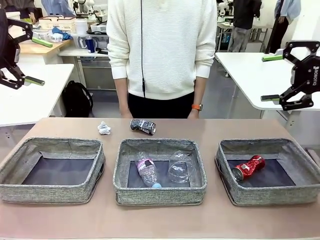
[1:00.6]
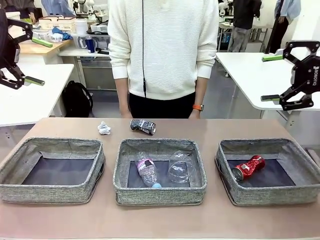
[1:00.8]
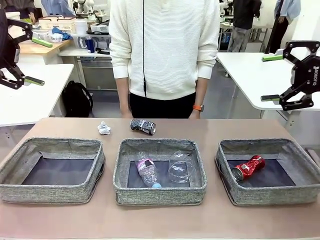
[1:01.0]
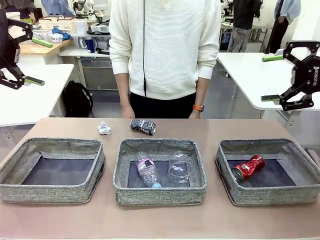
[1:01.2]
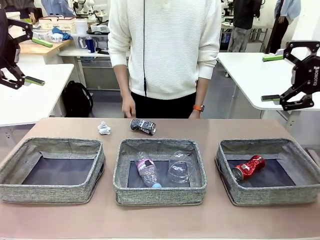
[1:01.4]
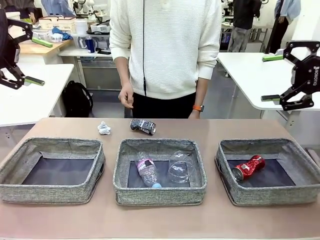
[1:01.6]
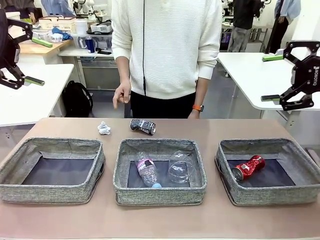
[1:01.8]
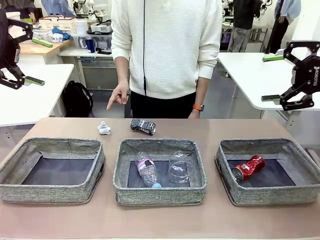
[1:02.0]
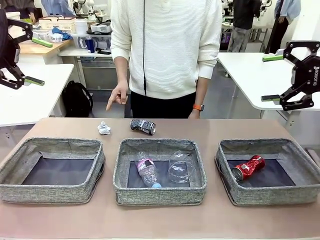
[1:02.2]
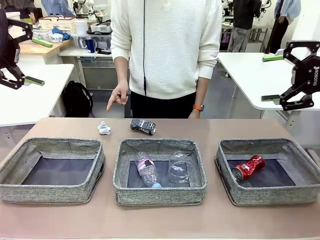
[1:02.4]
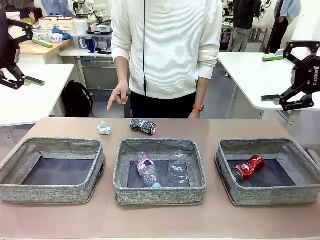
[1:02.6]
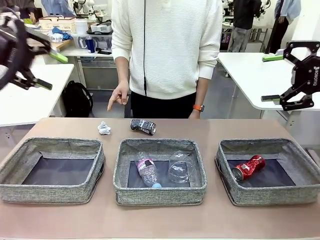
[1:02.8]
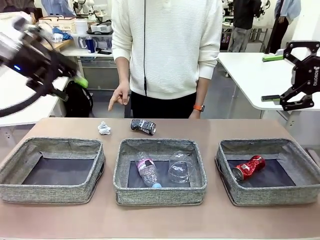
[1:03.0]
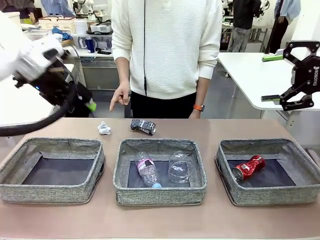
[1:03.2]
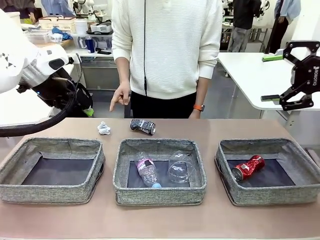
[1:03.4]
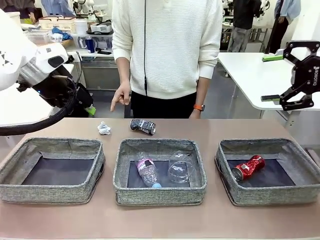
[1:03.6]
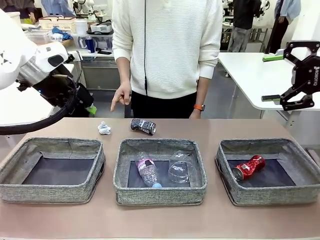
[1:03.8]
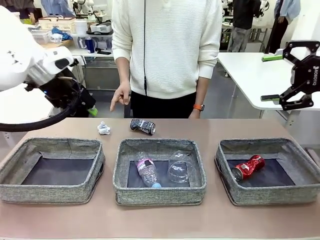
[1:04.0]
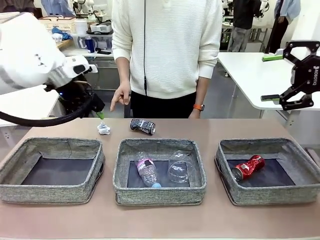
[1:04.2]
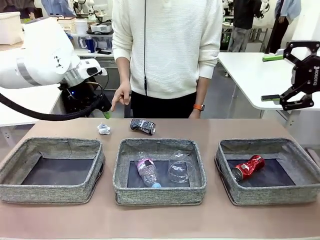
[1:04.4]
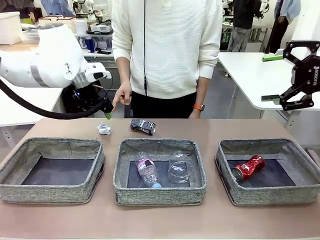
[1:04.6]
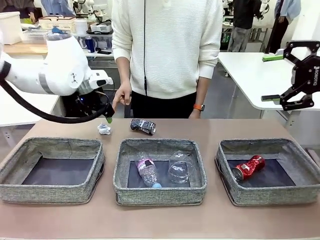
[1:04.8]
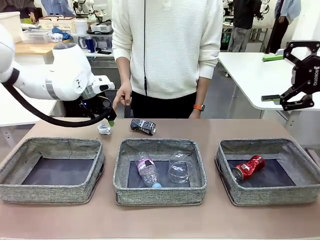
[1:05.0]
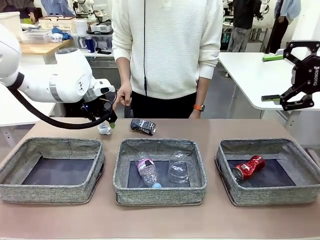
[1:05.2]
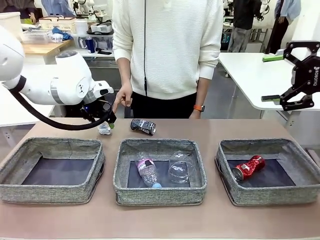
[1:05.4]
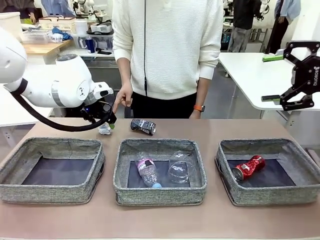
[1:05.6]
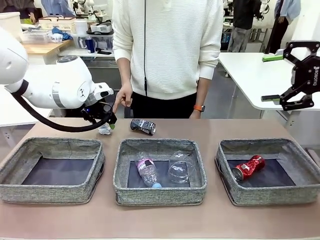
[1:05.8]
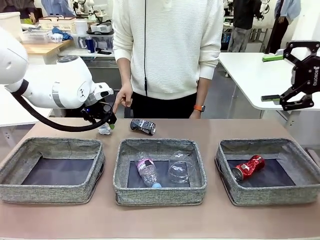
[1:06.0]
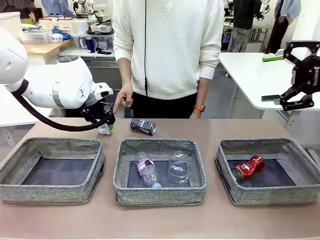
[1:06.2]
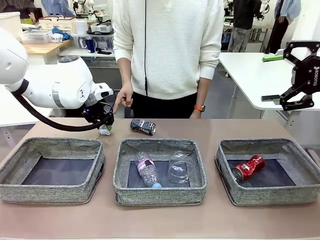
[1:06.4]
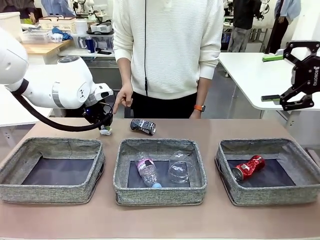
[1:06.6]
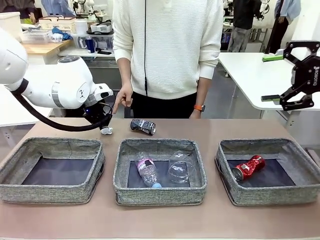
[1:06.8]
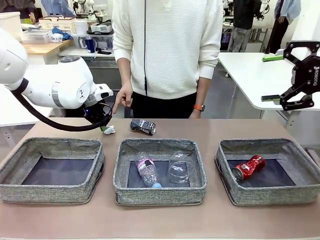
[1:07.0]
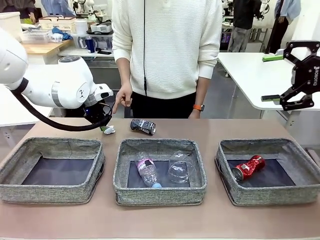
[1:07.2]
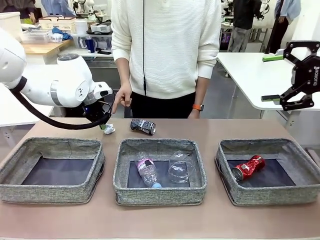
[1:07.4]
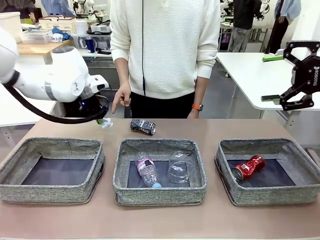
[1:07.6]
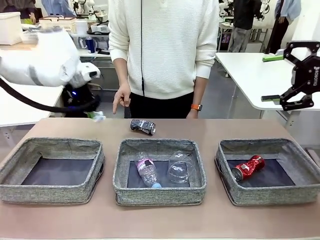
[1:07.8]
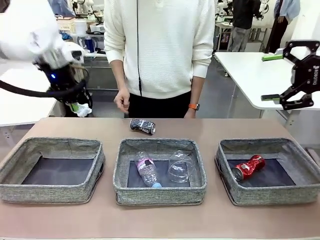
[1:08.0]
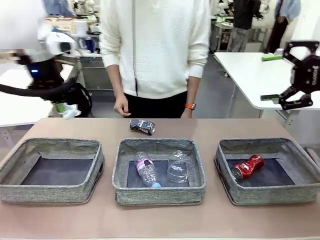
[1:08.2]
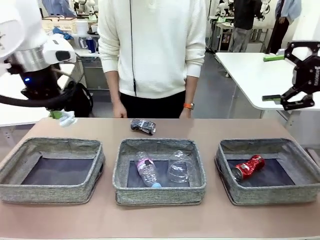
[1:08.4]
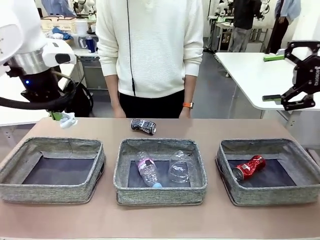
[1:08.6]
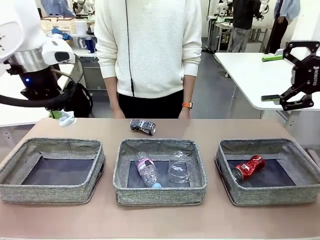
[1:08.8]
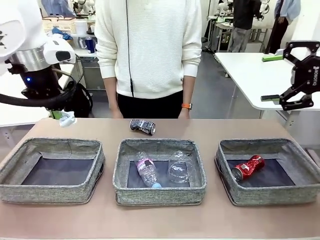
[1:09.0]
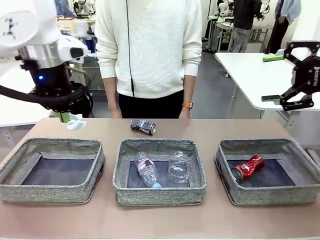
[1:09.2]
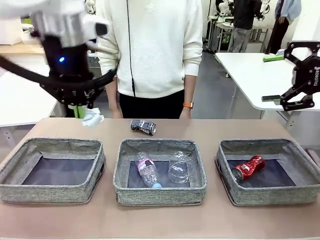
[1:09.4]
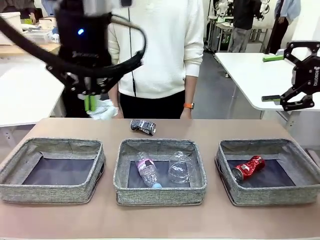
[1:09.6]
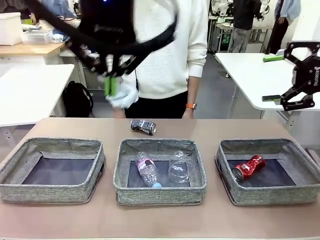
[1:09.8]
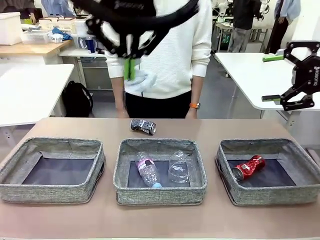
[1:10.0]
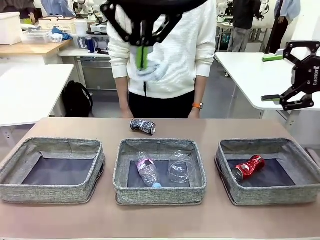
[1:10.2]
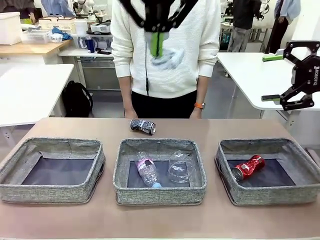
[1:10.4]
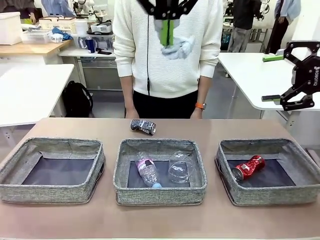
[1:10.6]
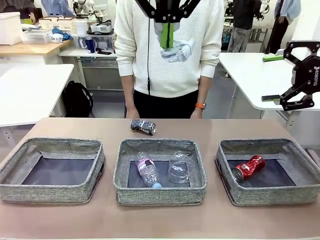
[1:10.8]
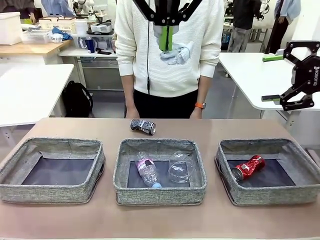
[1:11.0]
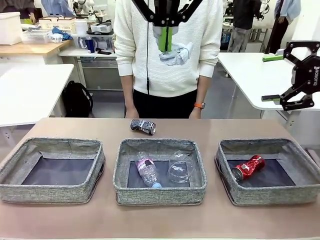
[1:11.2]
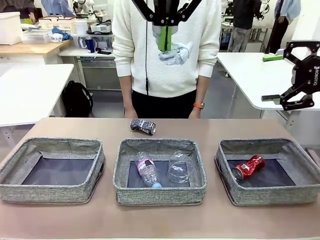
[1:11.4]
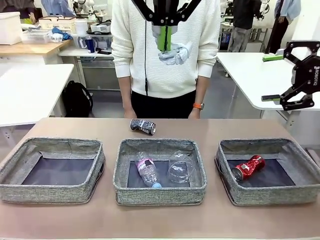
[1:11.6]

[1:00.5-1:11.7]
Task: Sort the waste into the appropriate baskets.
Robot: Pick up the waste item pointed out by the person.
Person: Points to one piece of trash on the table.

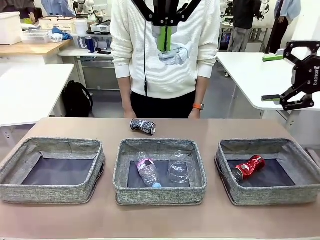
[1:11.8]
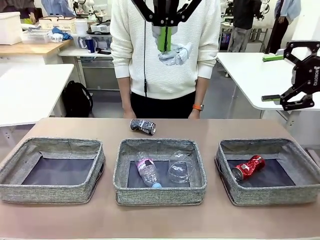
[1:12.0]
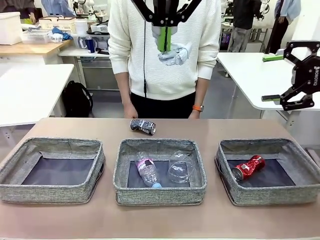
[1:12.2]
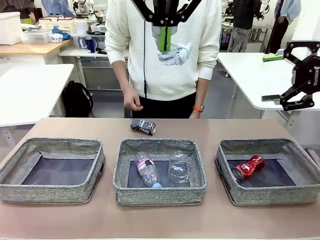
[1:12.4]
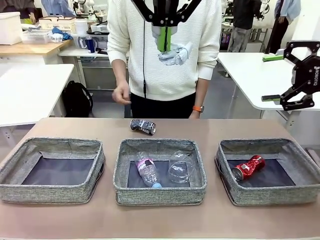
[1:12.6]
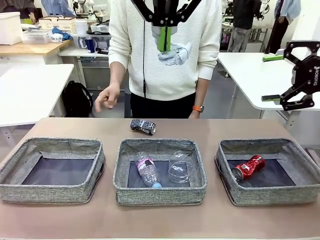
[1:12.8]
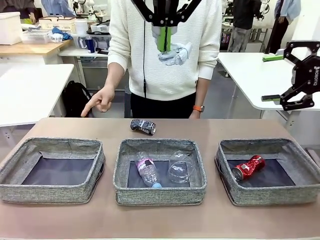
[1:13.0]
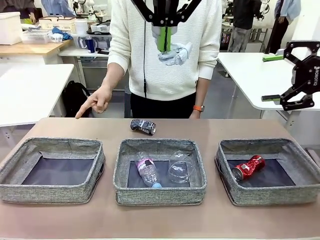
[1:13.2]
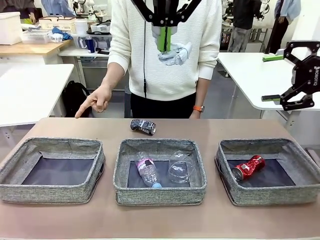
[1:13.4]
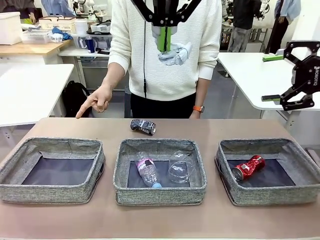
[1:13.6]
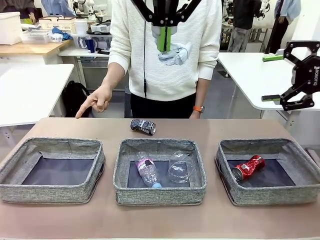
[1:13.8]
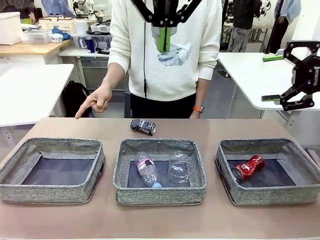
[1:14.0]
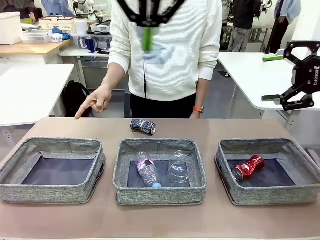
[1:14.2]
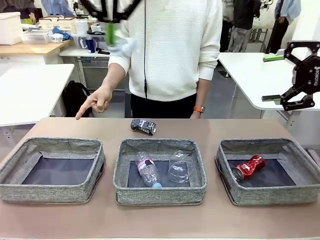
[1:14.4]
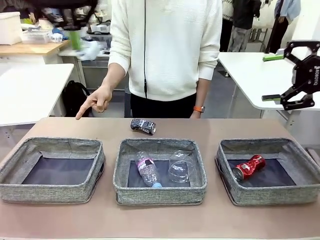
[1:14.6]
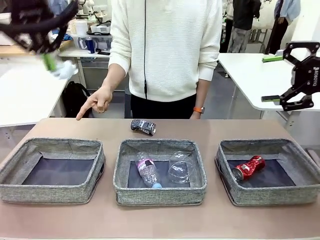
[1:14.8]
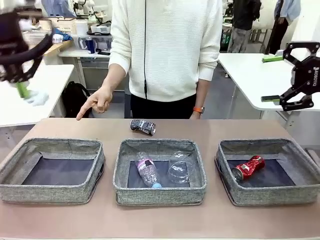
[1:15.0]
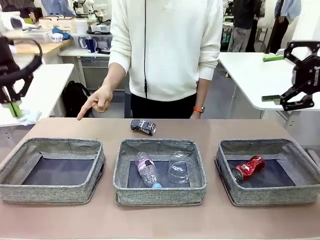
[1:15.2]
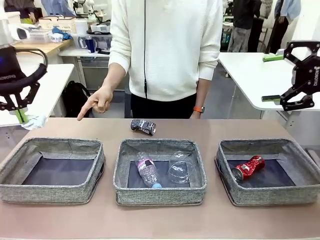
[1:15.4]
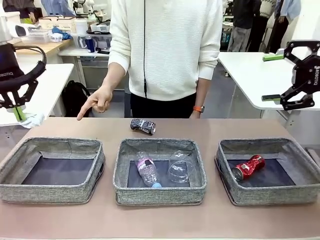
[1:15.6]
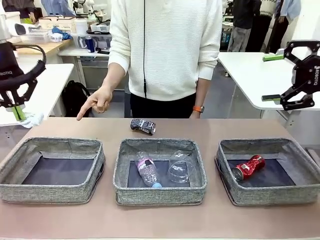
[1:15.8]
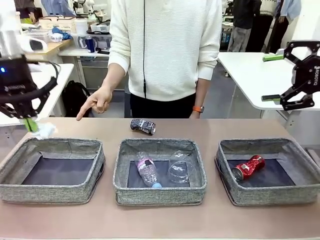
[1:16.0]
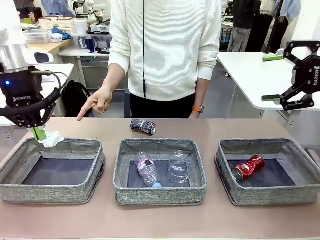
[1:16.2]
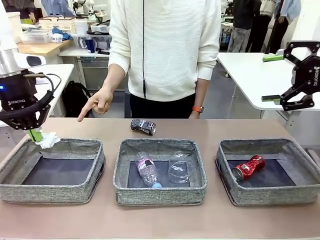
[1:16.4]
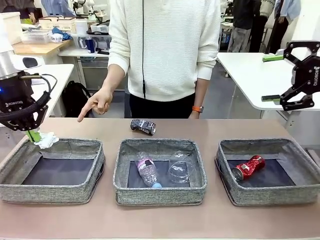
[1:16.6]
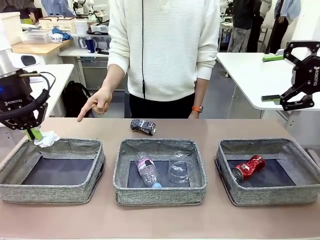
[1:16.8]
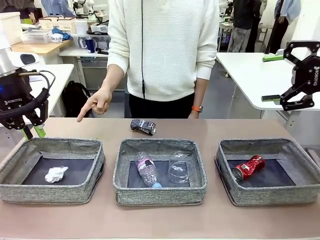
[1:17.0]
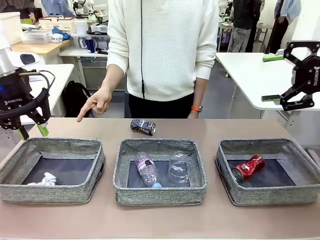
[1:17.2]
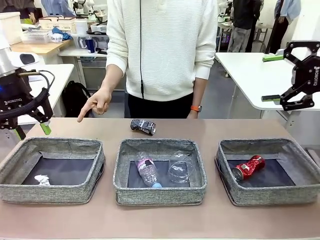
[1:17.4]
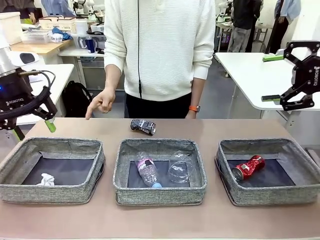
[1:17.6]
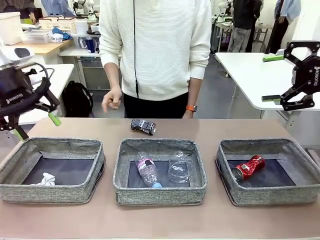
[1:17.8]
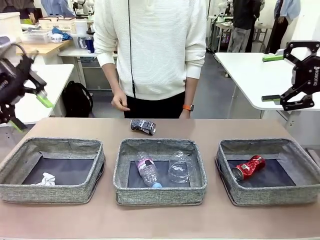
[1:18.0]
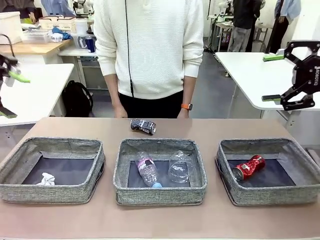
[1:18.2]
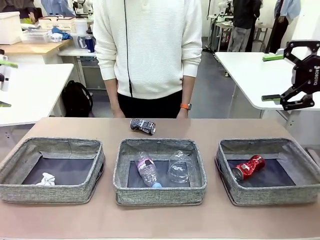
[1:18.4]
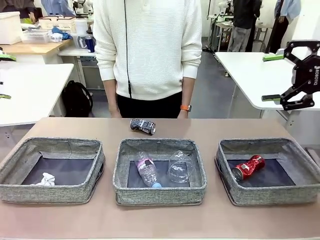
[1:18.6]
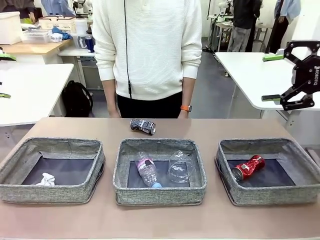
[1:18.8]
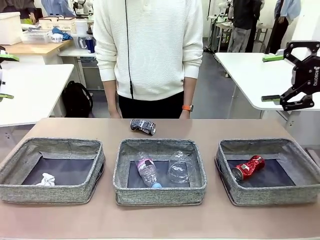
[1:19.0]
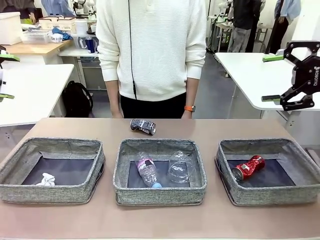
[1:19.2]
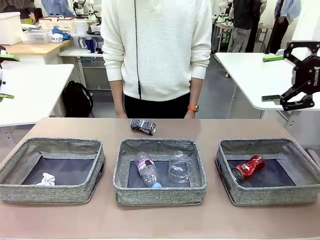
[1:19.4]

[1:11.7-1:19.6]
Robot: Place the picked waste into the Fabric basket indicated by the person.
Person: Instructs the robot to place the picked-up trash into the appropriate organizing basket.
